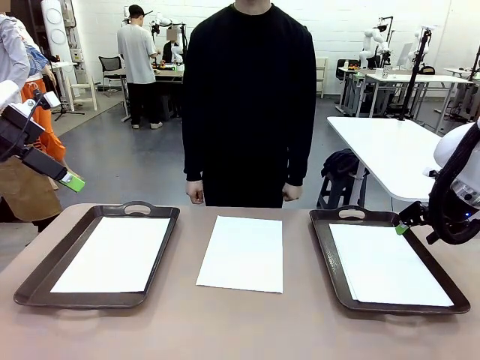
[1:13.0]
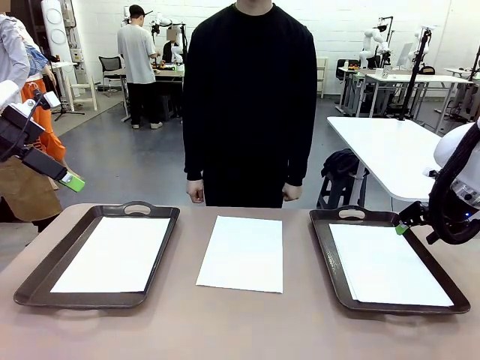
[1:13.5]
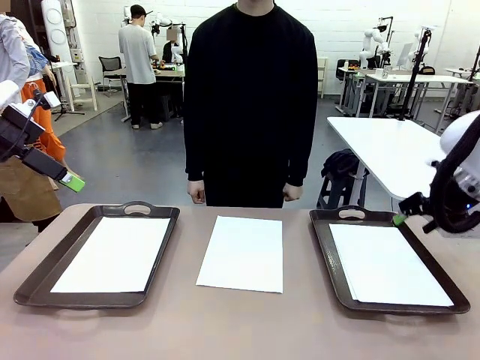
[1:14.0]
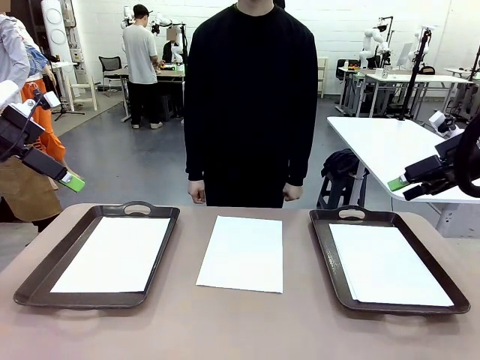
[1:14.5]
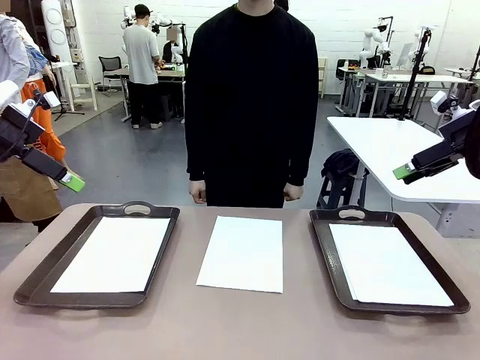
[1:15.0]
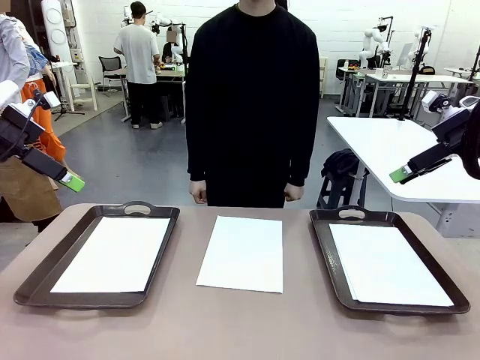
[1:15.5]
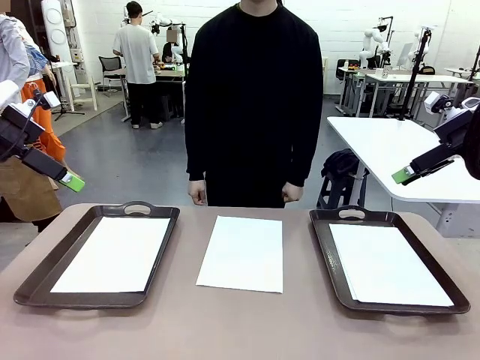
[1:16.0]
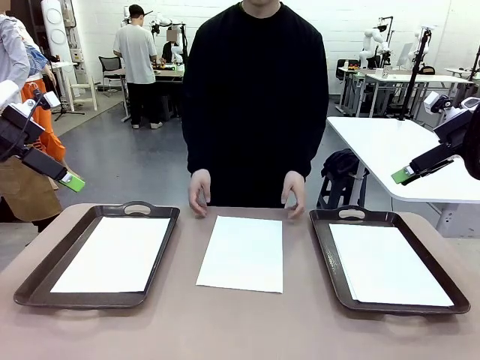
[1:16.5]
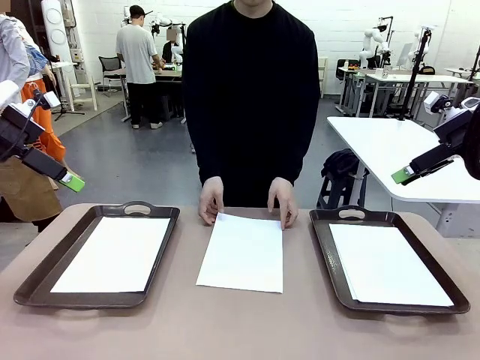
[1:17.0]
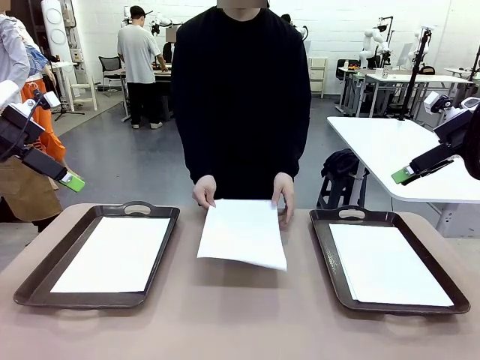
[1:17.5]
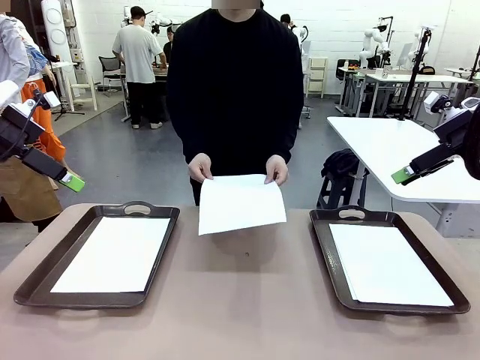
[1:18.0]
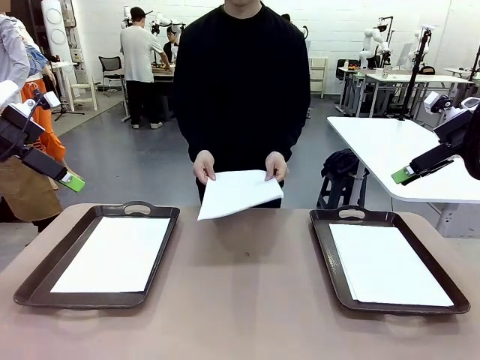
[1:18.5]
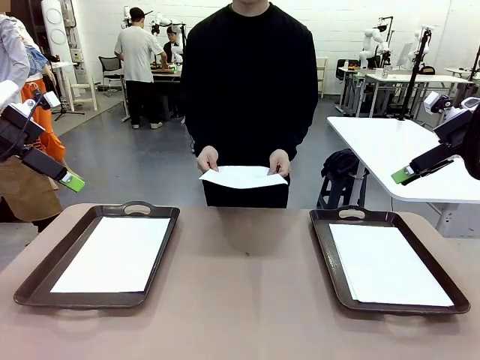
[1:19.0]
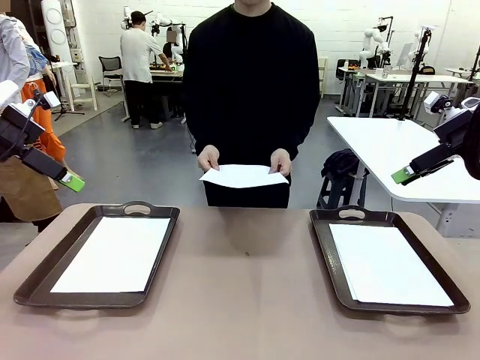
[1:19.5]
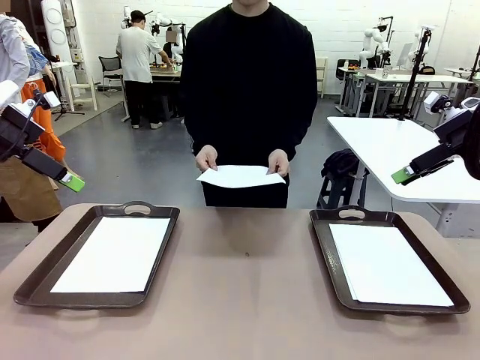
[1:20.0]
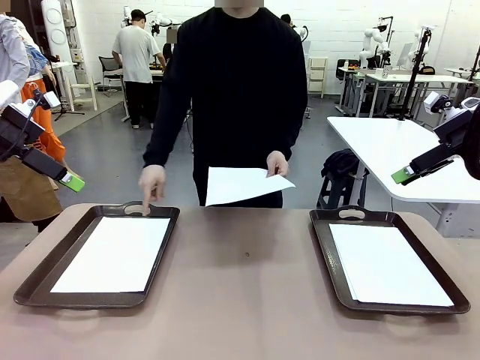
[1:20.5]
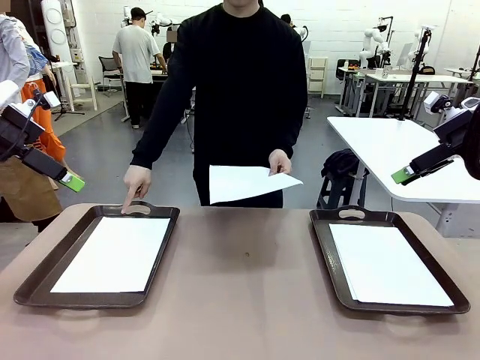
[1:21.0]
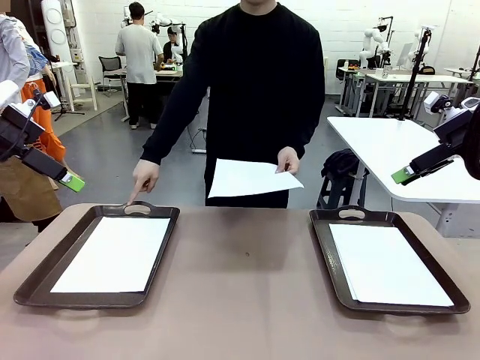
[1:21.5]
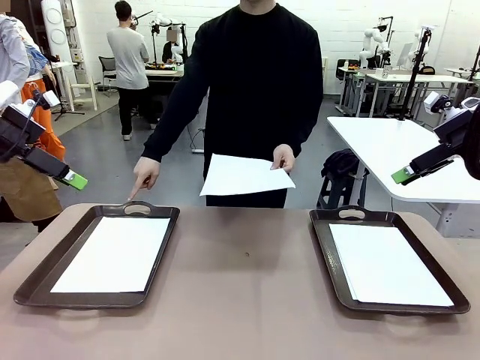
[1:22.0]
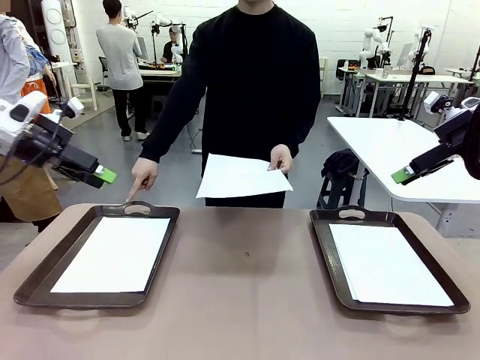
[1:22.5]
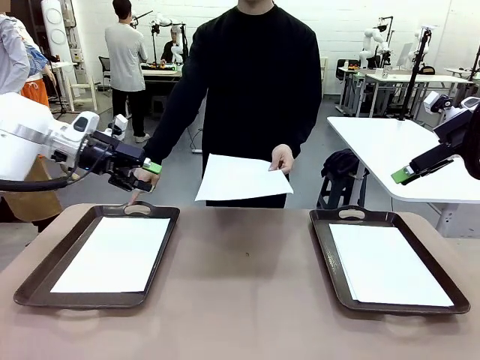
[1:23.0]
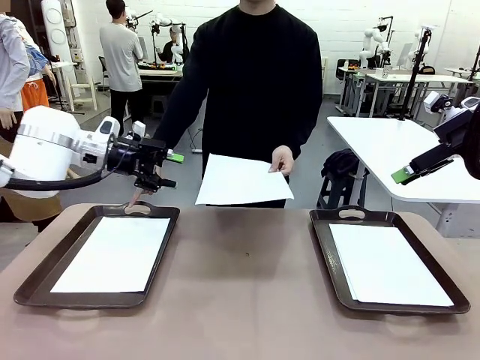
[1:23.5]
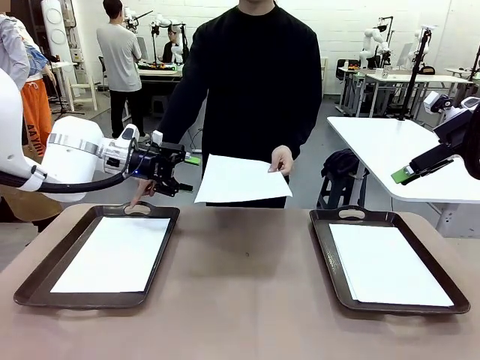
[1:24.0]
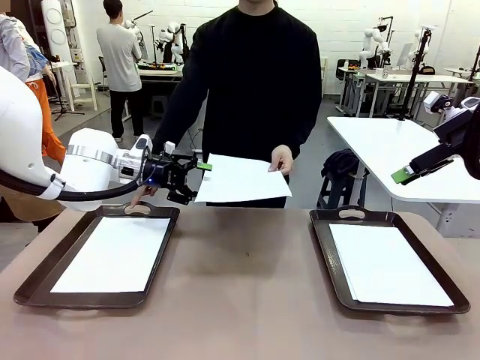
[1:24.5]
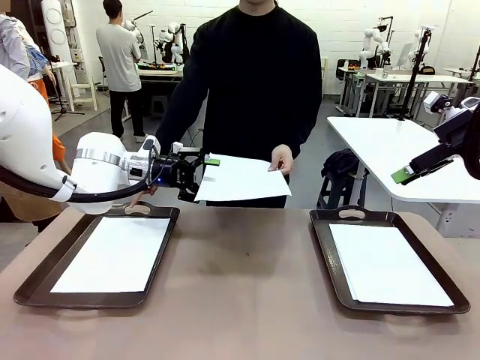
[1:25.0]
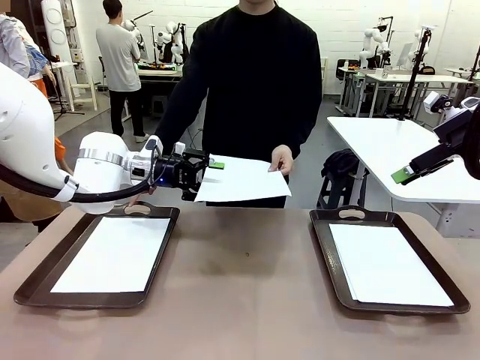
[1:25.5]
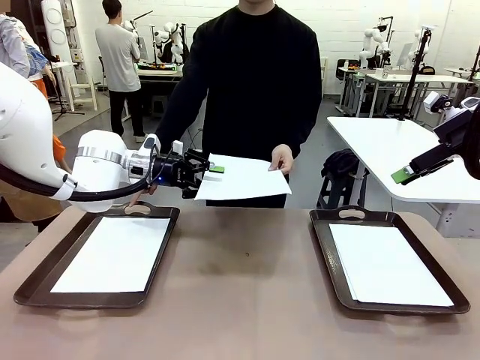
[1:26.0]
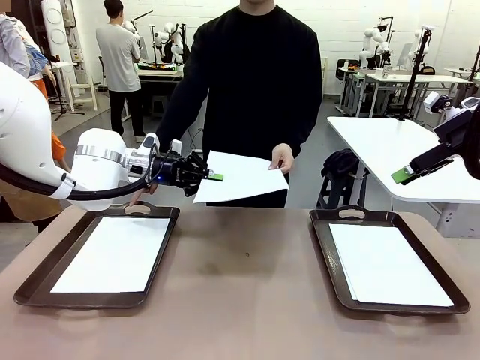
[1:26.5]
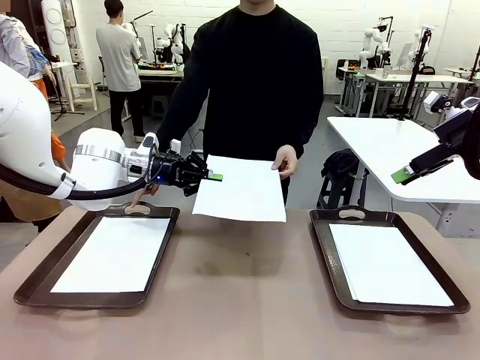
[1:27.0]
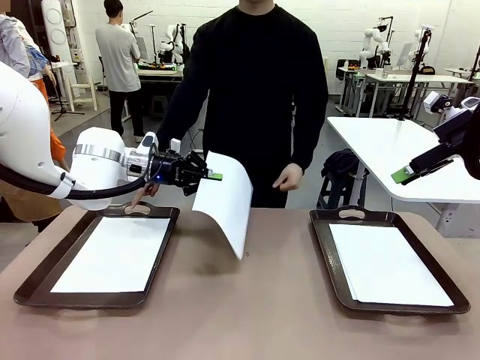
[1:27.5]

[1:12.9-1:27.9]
Task: Sort the A4 documents.
Robot: Receive the A4 Paper.
Person: Point the randomly selected tray with the other hand.

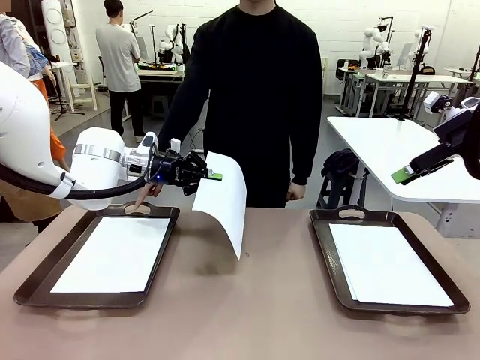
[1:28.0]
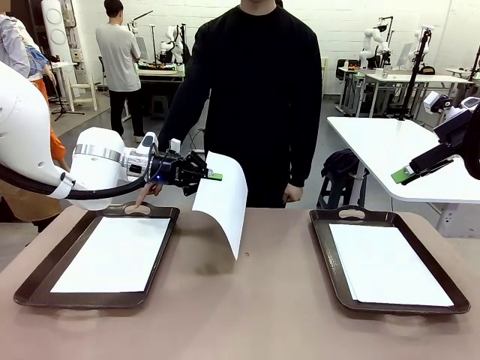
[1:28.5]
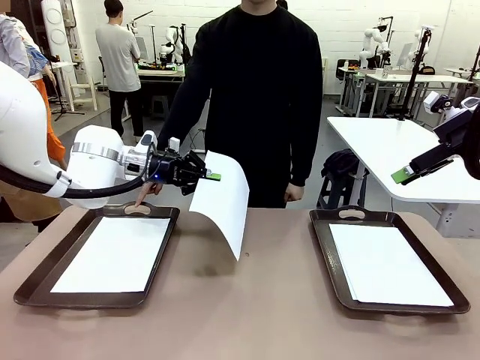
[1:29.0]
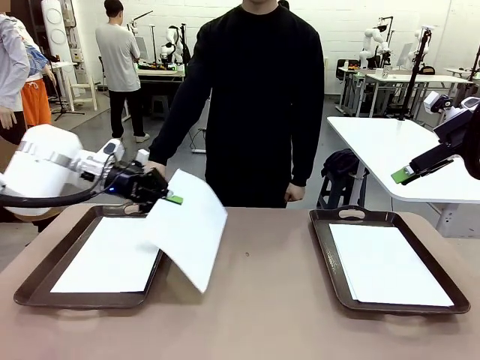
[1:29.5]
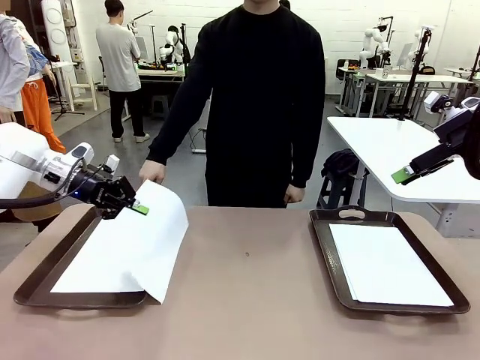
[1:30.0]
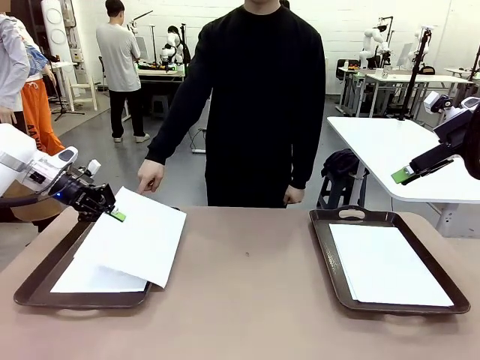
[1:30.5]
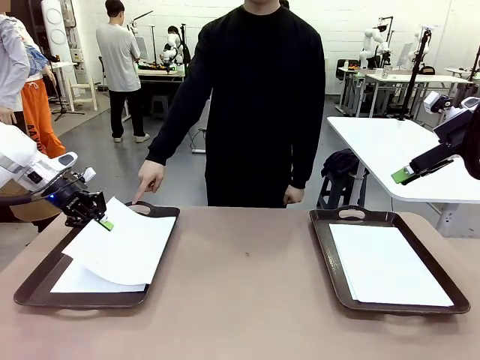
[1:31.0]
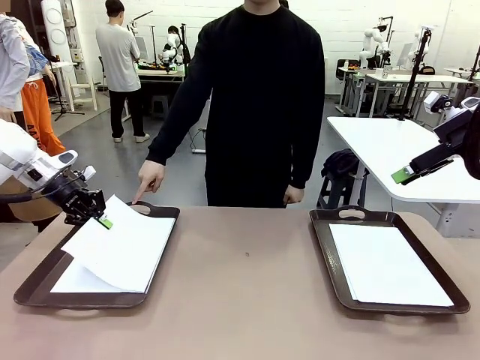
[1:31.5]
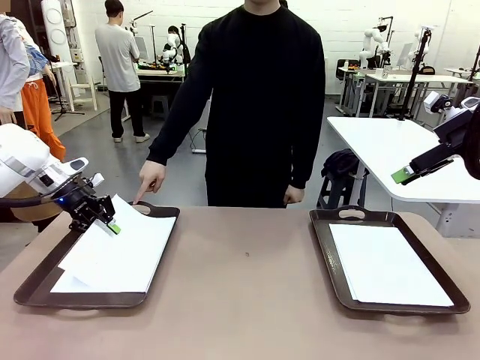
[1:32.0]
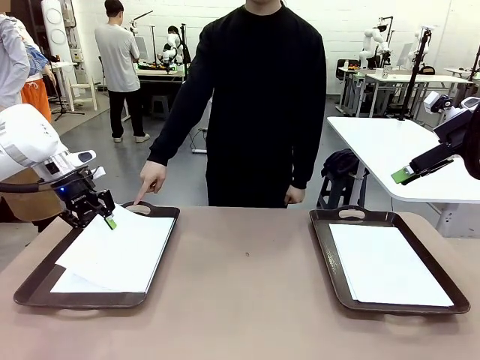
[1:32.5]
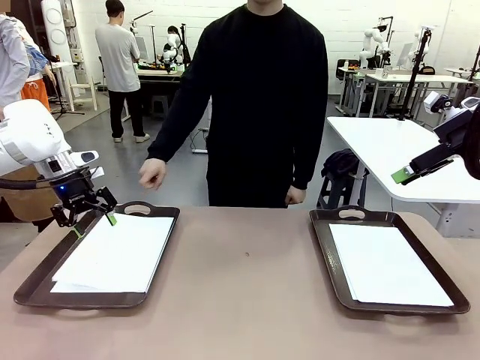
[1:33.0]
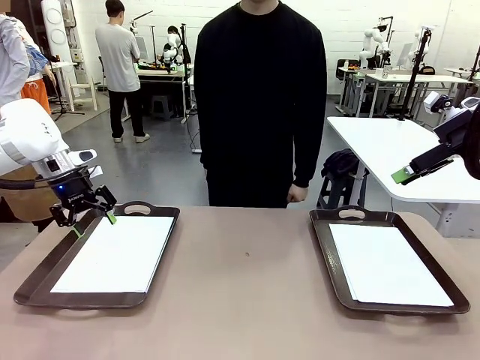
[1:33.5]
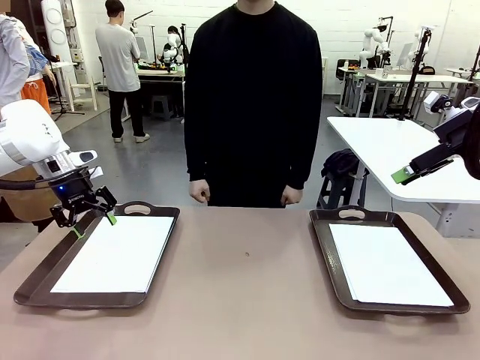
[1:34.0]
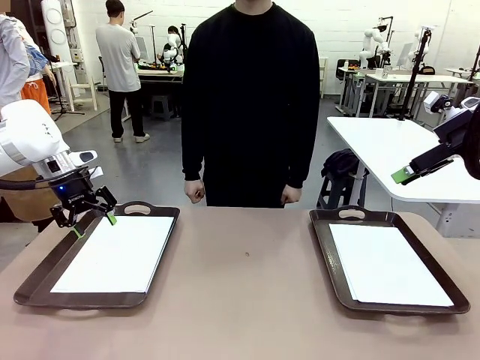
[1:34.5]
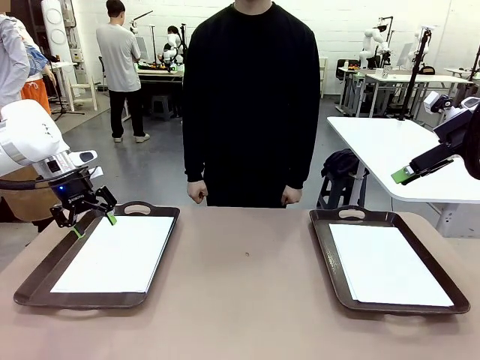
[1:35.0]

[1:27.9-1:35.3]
Robot: Place the A4 Paper in the designated Handle tray.

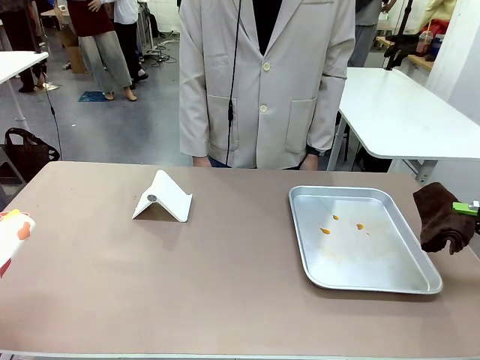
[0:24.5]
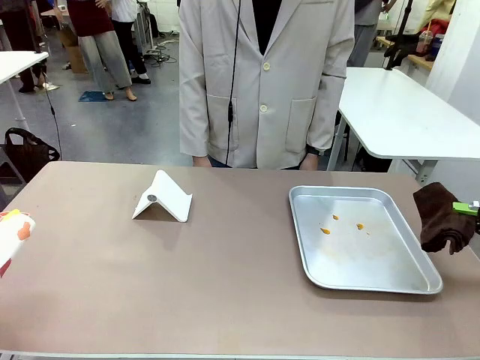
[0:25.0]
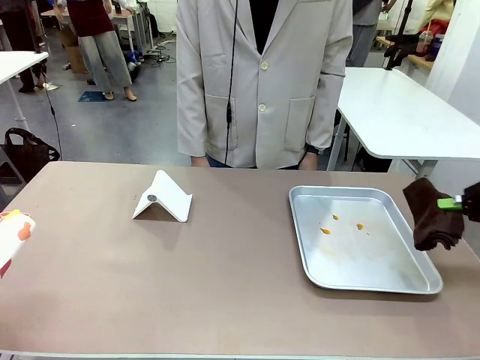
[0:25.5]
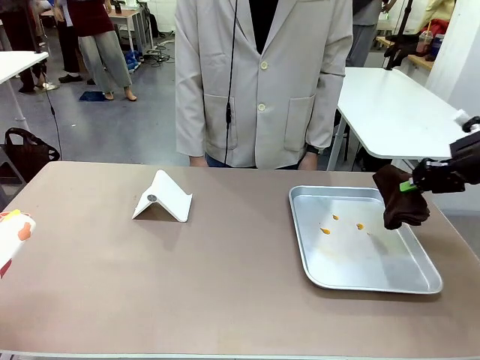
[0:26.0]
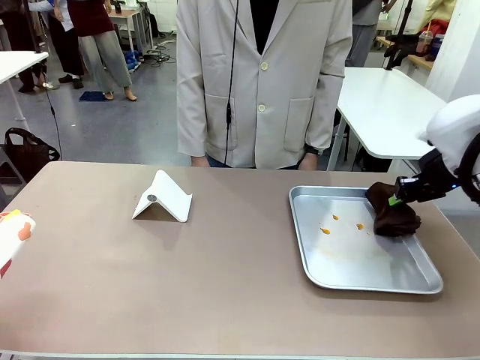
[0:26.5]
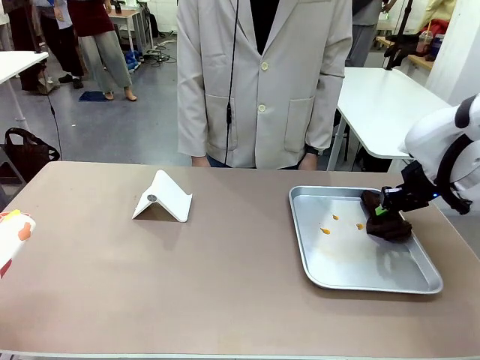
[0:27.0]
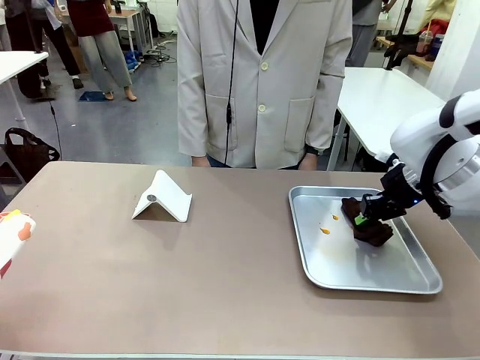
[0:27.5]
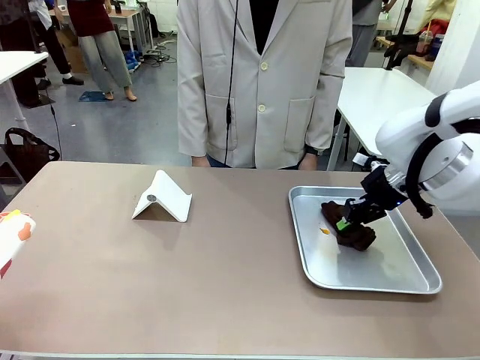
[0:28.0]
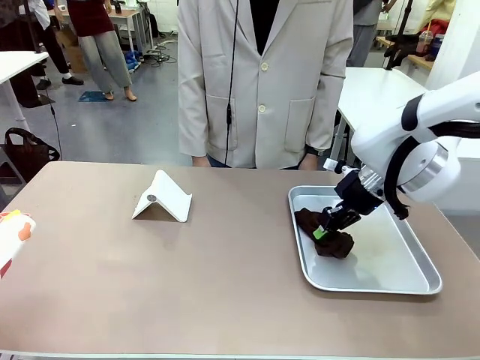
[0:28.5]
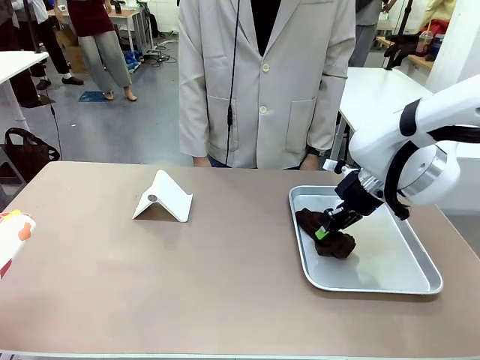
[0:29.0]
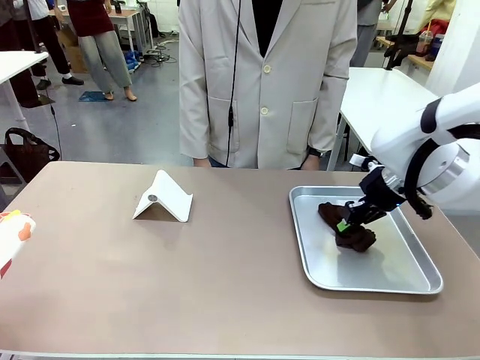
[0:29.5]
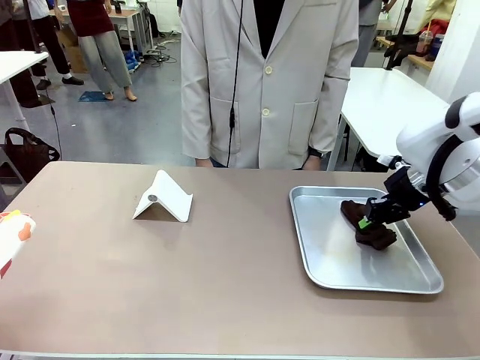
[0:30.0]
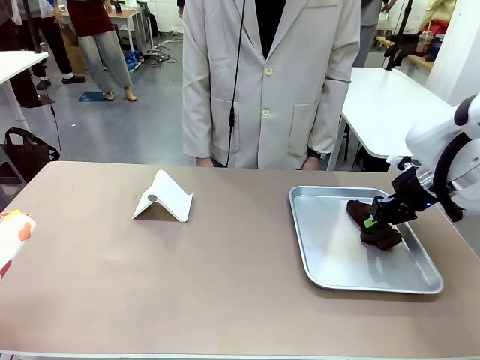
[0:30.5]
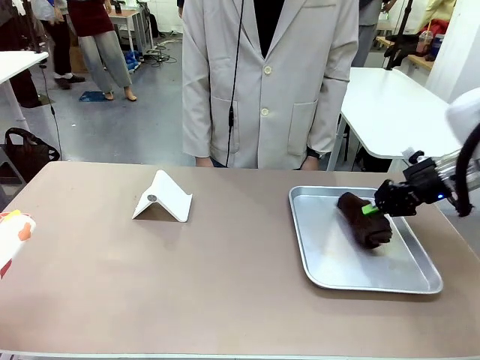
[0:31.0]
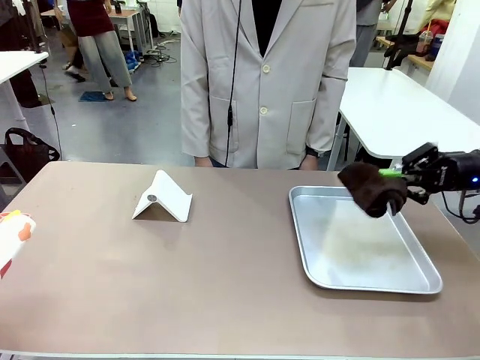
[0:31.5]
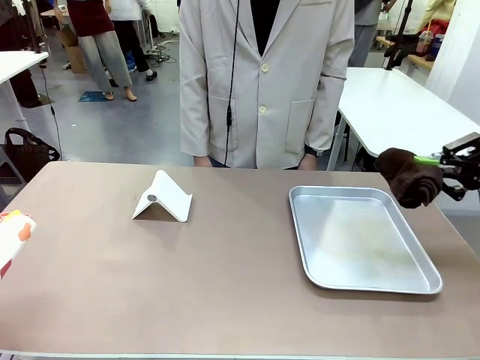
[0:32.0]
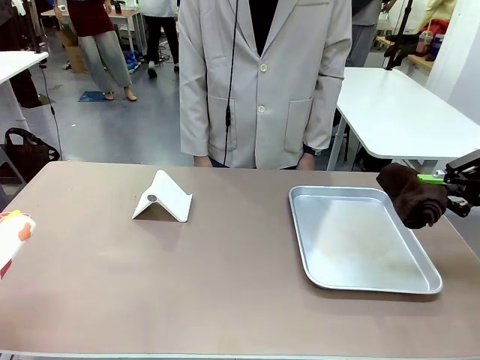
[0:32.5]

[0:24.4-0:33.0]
Task: Clean the surface of the table.
Robot: Clean the area not pointed to by the person.
